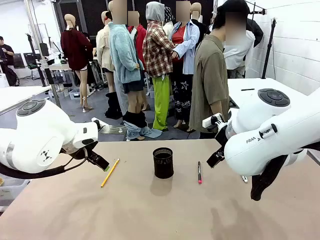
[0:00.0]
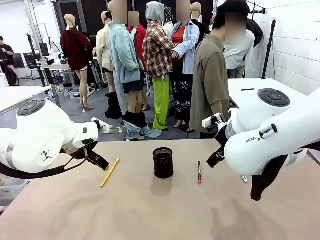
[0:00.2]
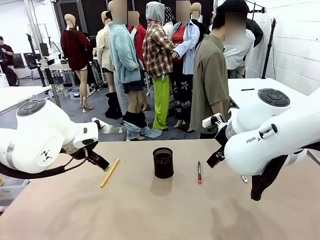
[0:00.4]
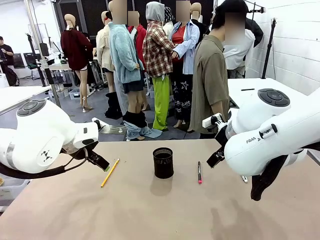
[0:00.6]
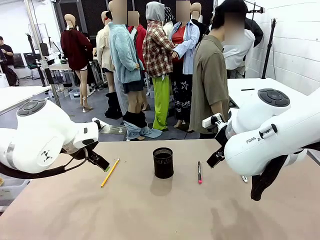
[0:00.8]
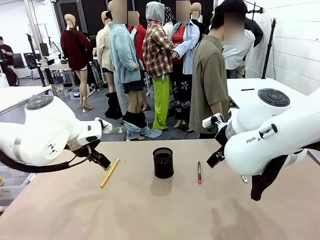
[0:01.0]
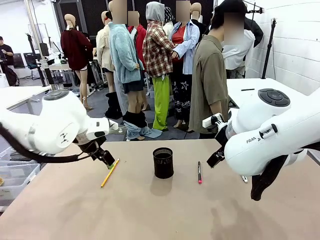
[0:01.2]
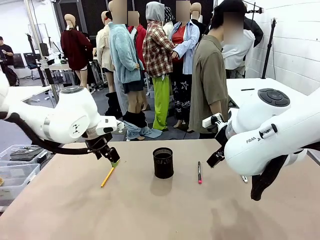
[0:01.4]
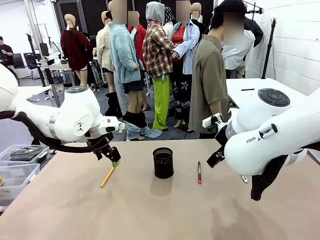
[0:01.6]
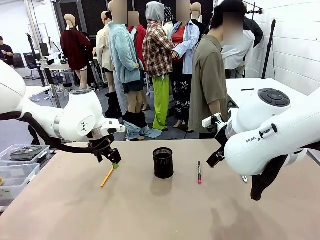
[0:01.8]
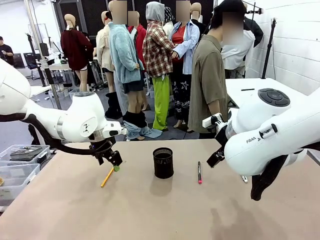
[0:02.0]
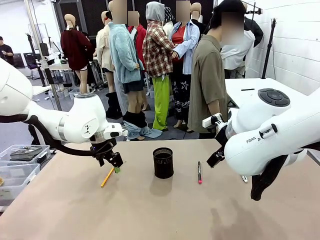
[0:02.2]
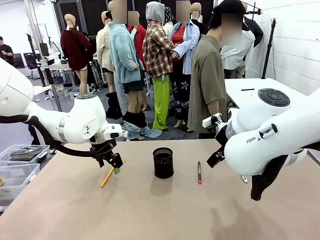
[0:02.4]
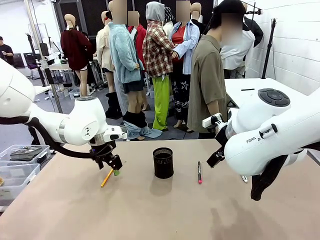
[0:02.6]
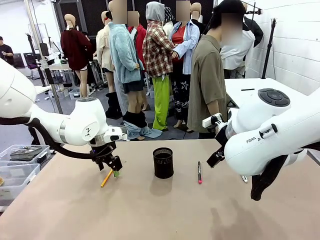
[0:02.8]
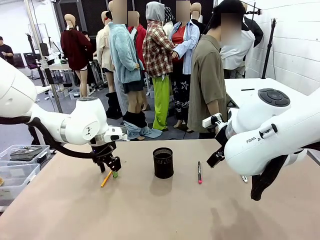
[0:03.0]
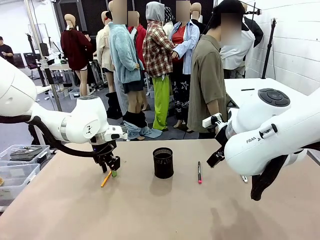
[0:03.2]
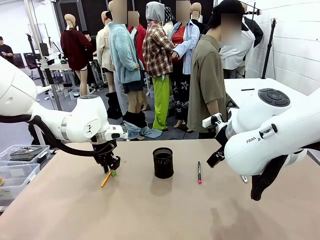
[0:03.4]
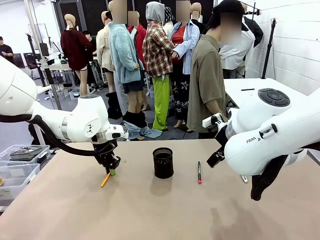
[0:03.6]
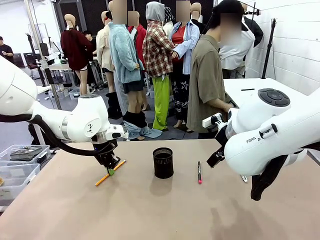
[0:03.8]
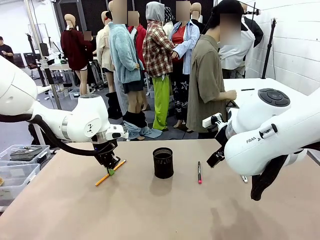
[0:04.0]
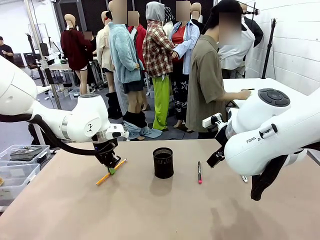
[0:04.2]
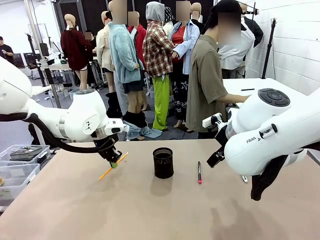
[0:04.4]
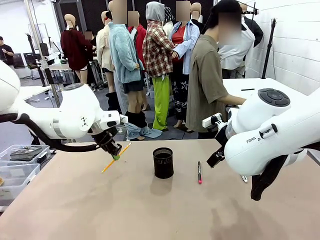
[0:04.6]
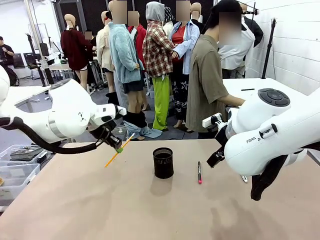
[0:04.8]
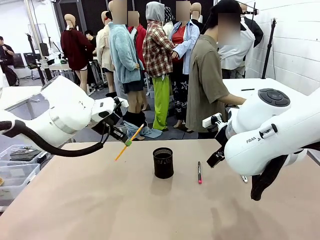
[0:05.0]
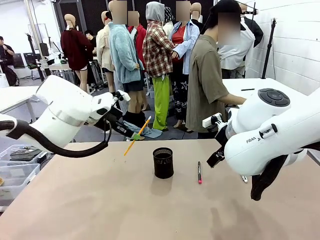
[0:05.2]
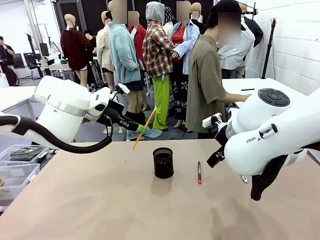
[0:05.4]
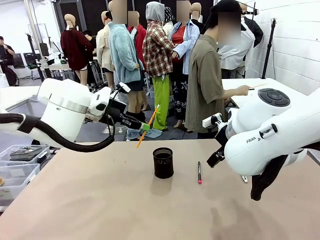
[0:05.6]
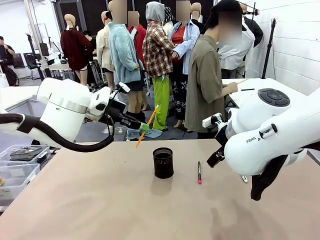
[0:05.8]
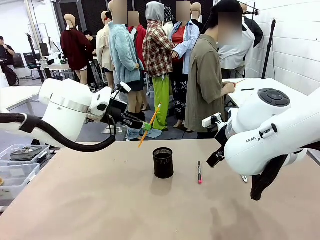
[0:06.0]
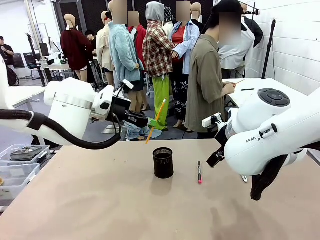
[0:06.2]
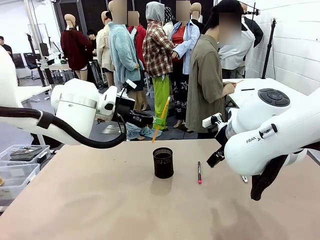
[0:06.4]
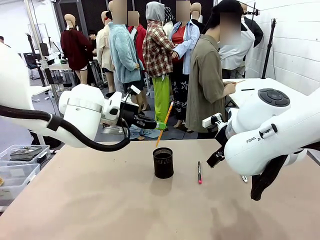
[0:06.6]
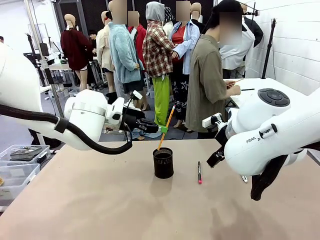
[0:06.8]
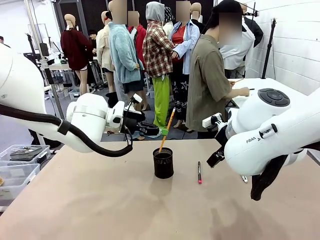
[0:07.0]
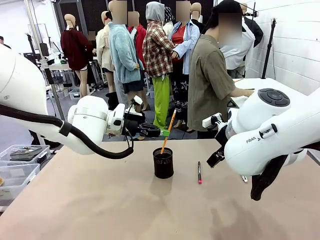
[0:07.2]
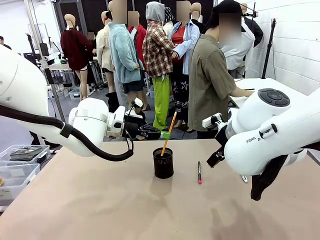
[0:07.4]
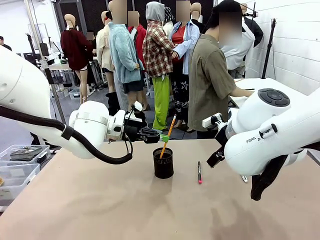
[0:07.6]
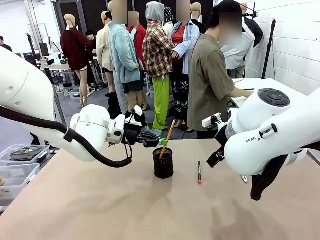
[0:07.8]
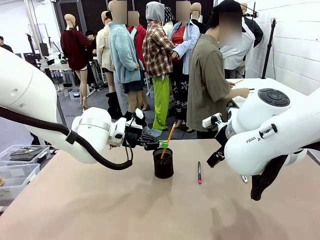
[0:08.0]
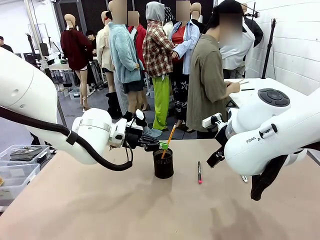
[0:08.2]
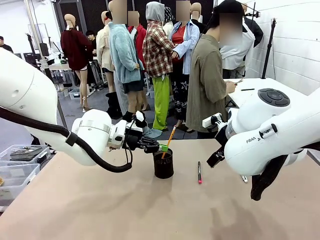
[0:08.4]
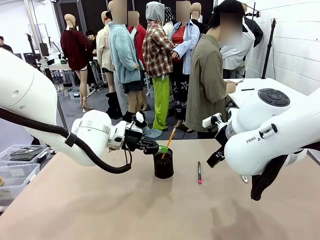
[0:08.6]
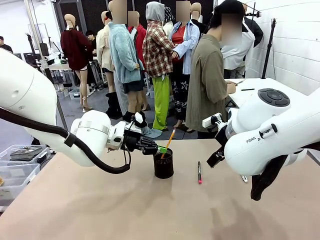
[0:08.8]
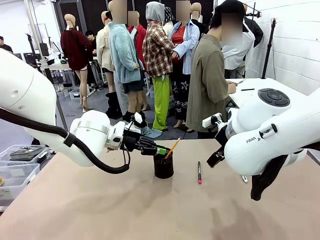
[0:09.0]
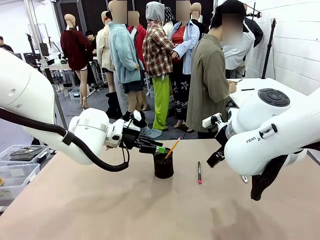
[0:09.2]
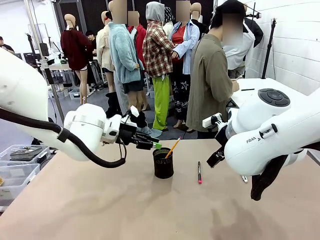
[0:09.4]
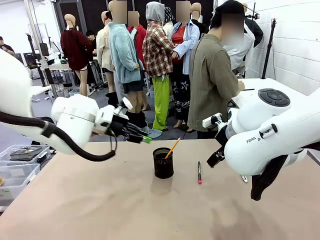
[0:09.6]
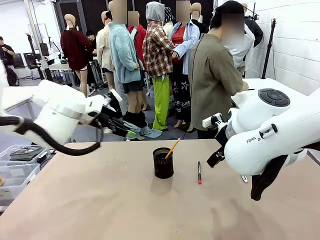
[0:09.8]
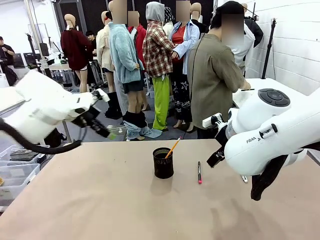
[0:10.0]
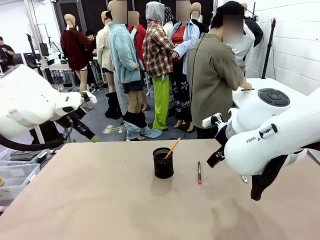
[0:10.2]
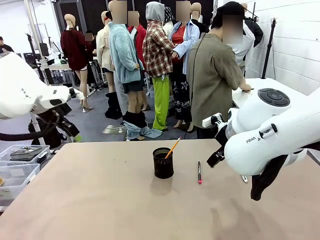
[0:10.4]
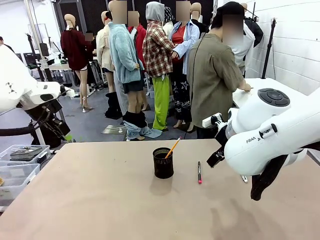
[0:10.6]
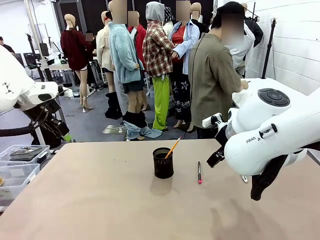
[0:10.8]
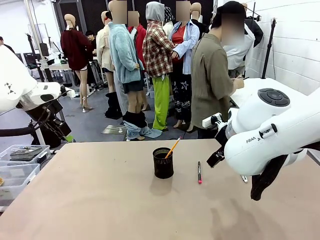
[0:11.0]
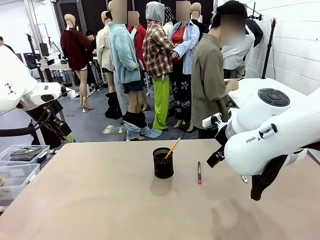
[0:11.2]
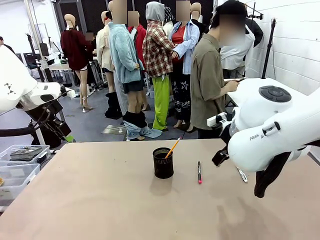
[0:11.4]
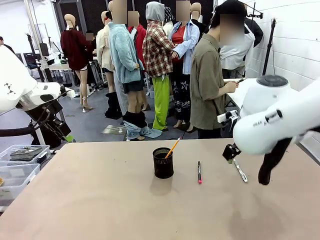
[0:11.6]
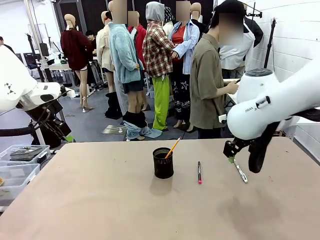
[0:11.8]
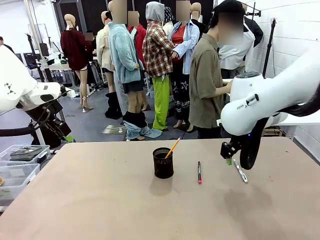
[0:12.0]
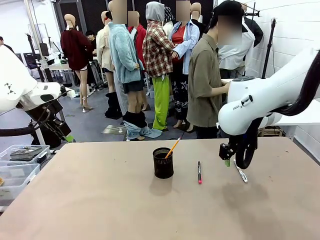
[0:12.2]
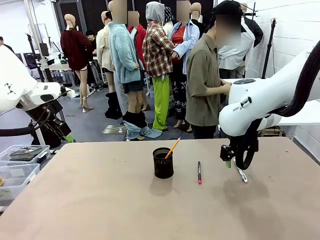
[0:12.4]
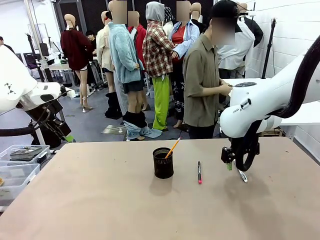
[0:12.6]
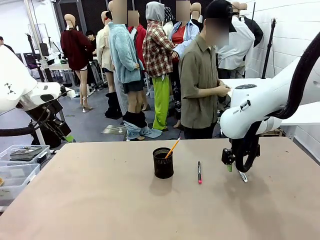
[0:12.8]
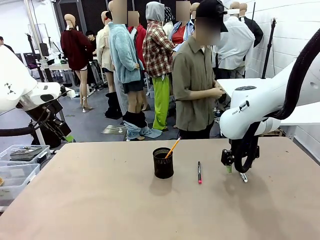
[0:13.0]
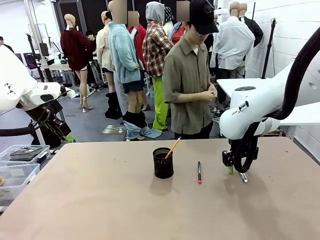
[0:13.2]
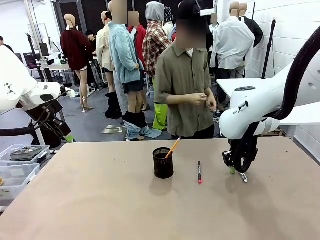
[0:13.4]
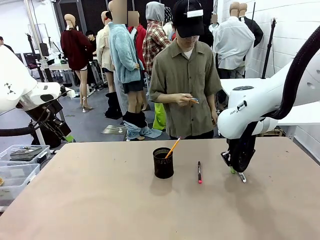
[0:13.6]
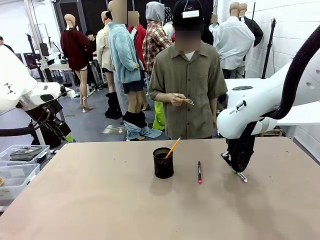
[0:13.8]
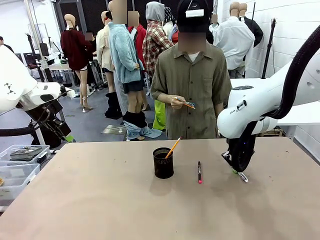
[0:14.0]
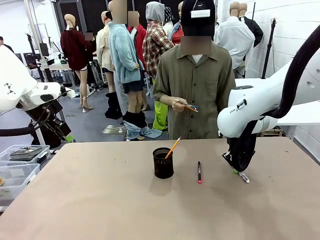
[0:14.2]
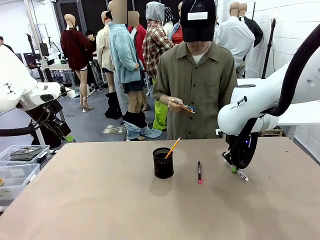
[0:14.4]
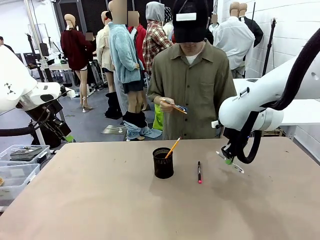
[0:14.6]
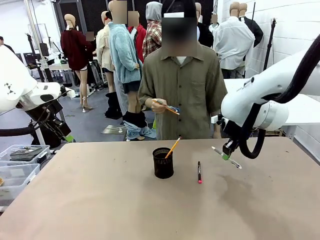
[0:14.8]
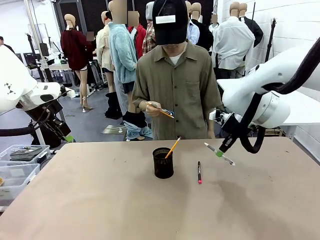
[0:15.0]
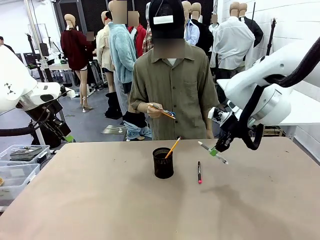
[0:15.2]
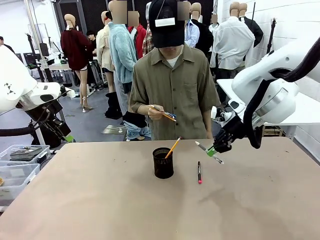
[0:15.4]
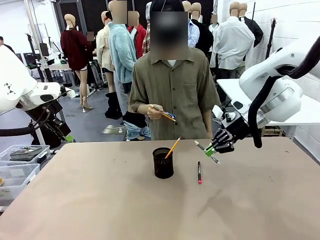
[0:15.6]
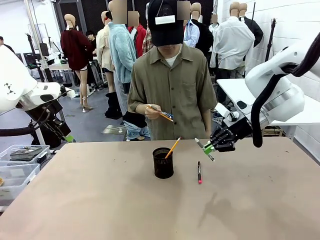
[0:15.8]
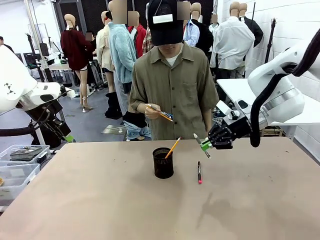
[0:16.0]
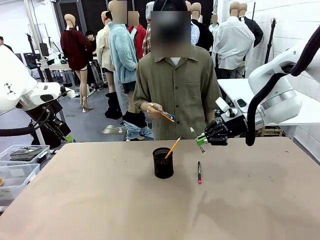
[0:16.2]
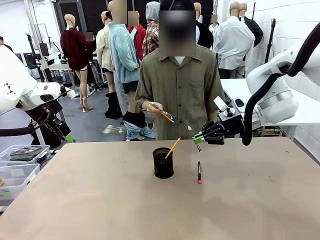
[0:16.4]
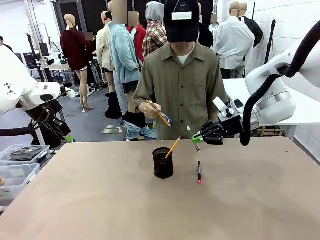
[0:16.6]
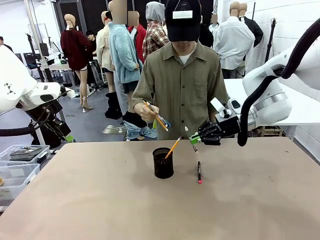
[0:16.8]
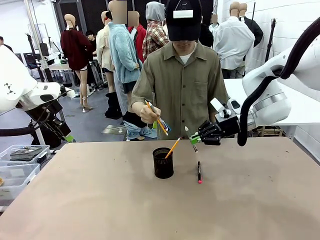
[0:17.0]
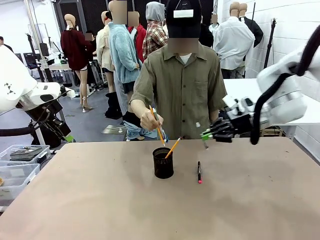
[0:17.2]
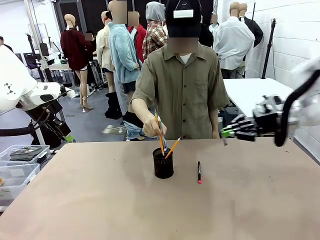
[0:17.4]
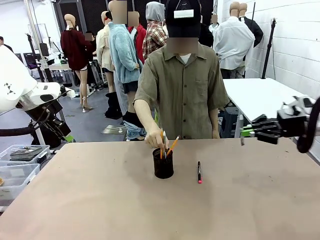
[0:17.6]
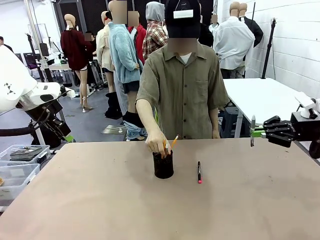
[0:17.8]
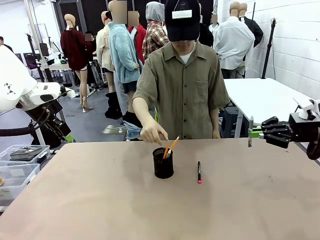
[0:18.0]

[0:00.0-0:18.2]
Task: Place the pens into the pen holder.
Robot: Pick up a writing instrument from the table and place it into the Pen holder.
Person: Pick up all writing instruments from the Human table.
